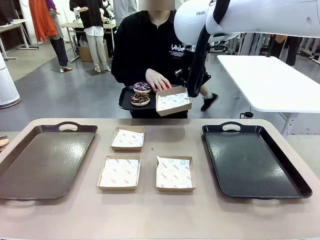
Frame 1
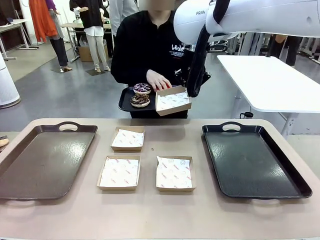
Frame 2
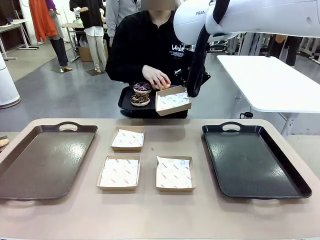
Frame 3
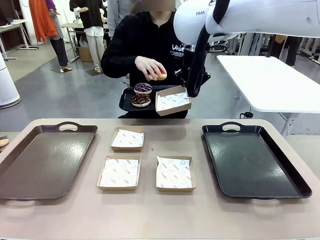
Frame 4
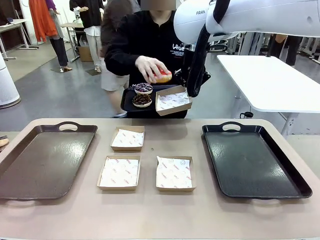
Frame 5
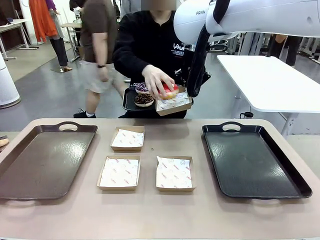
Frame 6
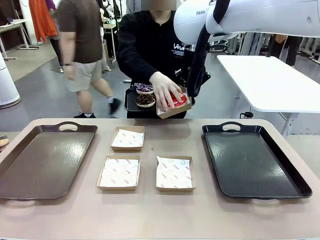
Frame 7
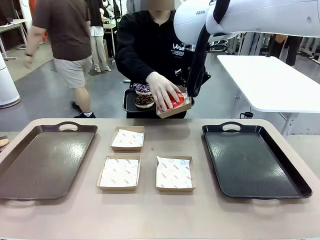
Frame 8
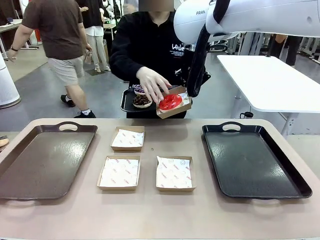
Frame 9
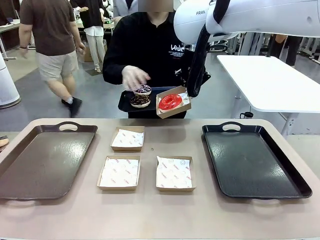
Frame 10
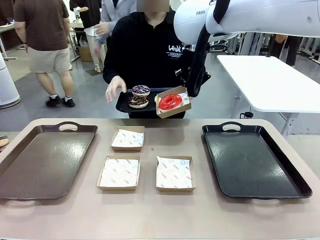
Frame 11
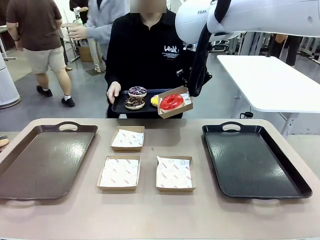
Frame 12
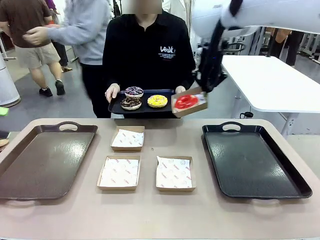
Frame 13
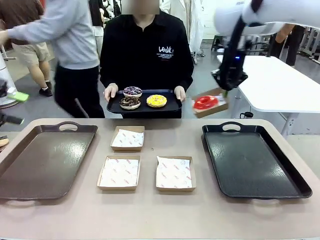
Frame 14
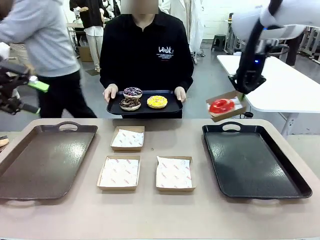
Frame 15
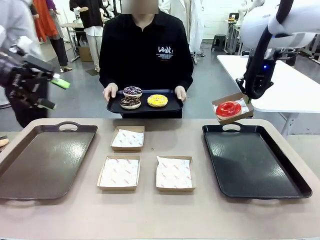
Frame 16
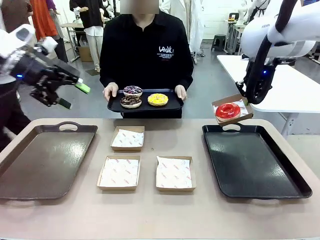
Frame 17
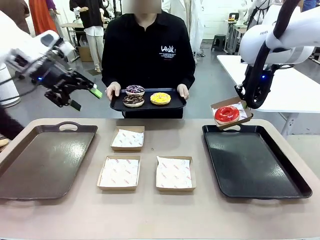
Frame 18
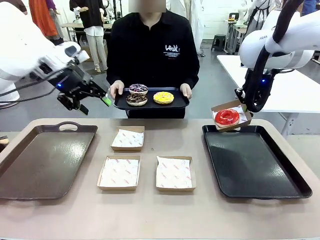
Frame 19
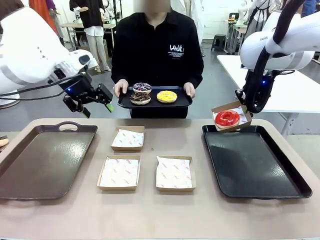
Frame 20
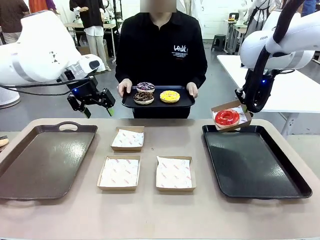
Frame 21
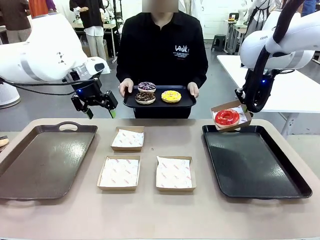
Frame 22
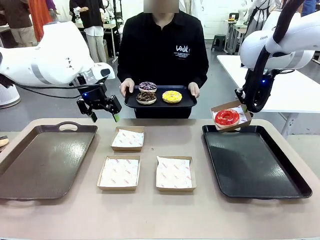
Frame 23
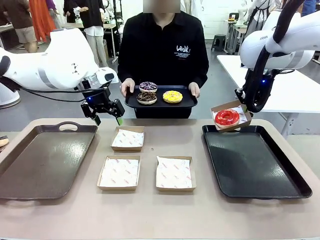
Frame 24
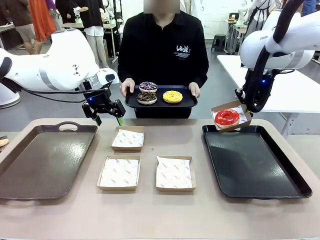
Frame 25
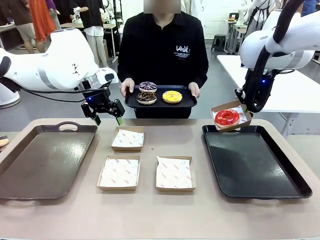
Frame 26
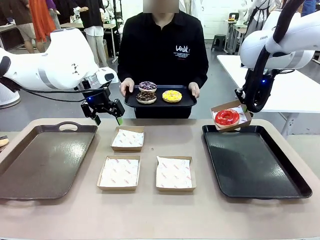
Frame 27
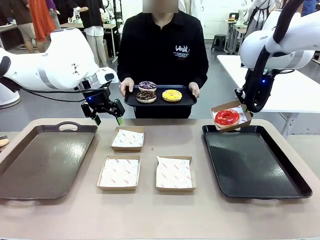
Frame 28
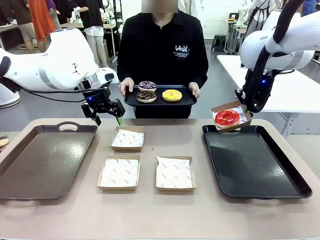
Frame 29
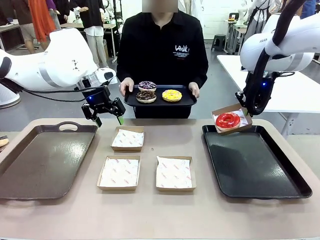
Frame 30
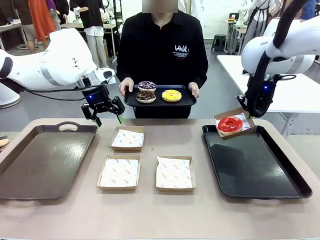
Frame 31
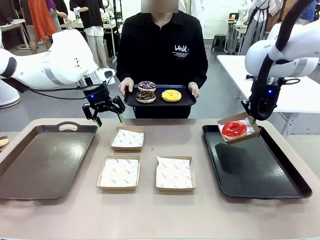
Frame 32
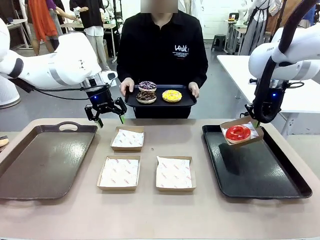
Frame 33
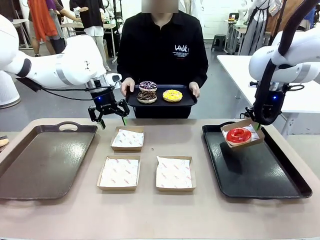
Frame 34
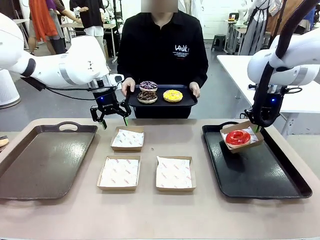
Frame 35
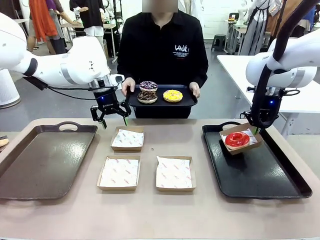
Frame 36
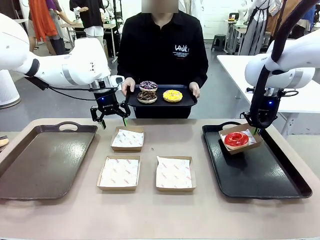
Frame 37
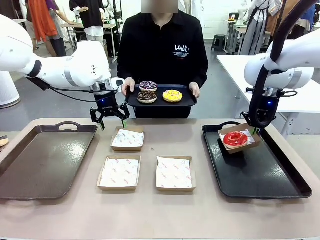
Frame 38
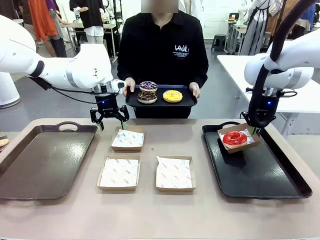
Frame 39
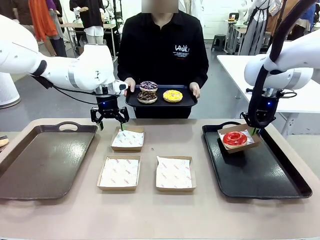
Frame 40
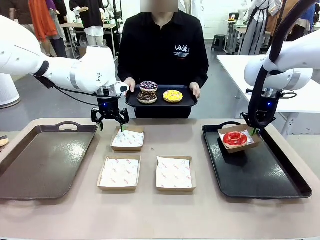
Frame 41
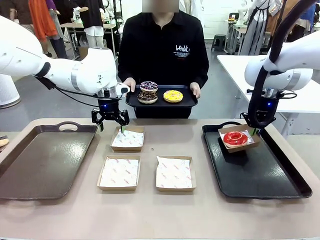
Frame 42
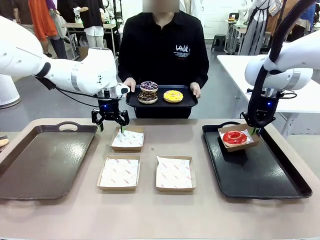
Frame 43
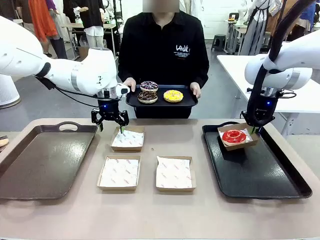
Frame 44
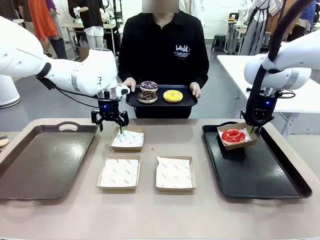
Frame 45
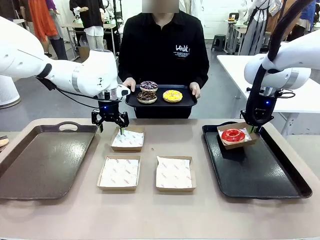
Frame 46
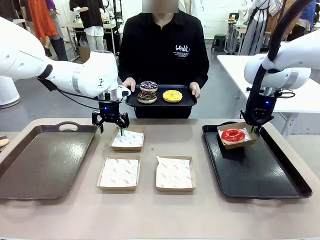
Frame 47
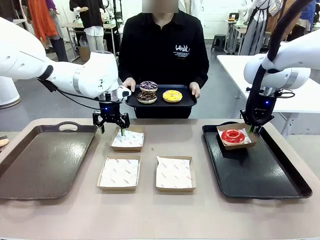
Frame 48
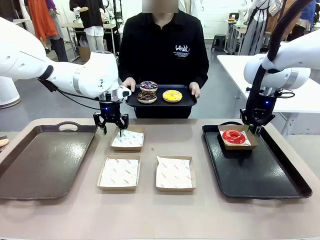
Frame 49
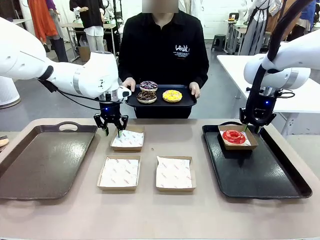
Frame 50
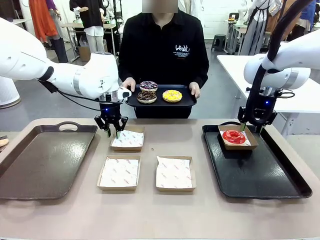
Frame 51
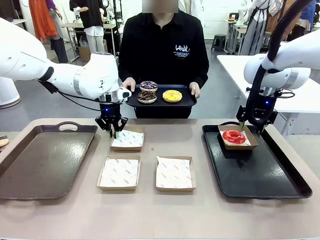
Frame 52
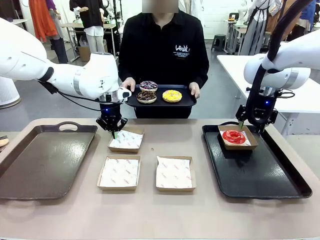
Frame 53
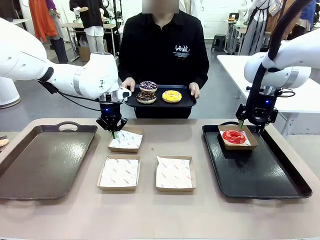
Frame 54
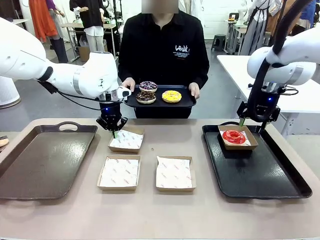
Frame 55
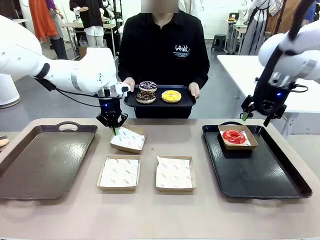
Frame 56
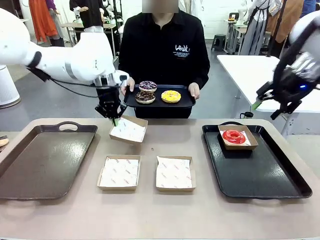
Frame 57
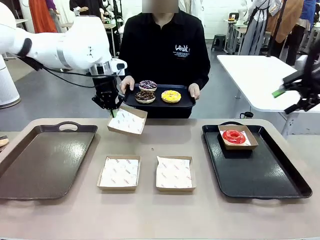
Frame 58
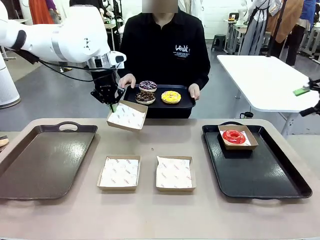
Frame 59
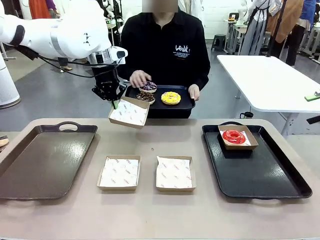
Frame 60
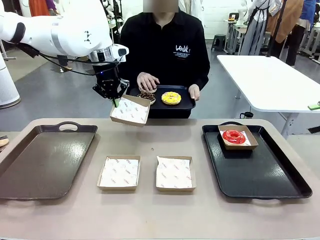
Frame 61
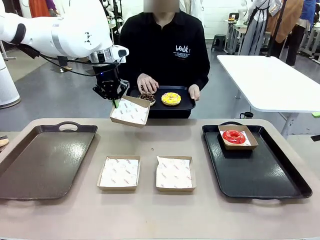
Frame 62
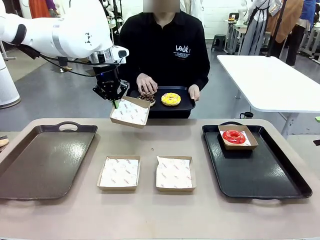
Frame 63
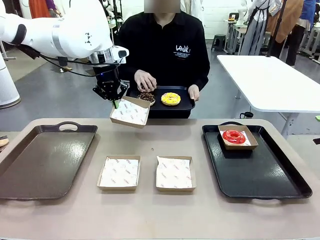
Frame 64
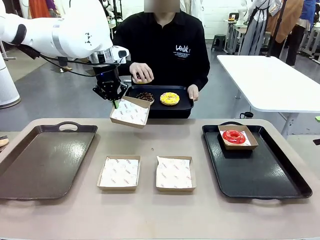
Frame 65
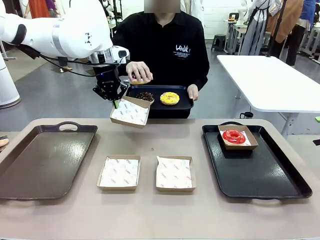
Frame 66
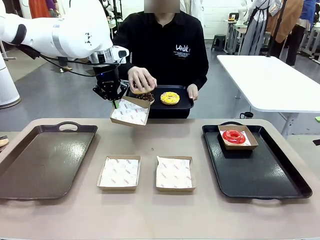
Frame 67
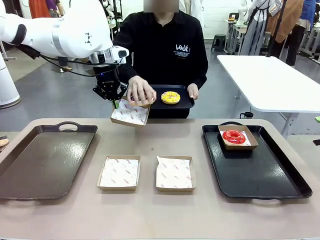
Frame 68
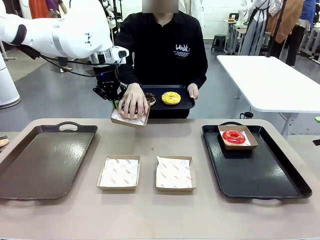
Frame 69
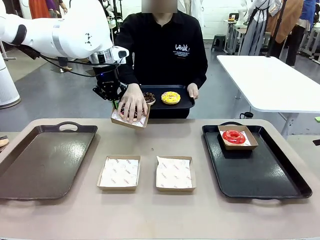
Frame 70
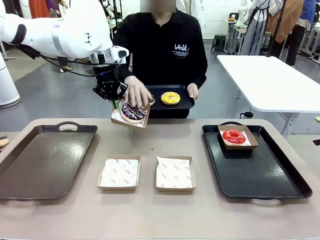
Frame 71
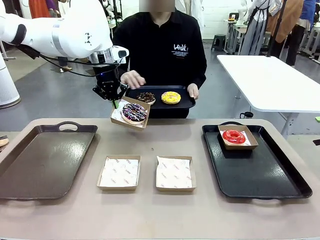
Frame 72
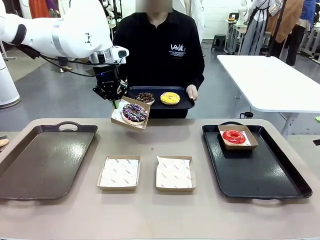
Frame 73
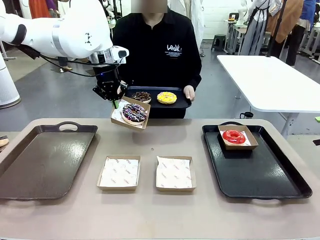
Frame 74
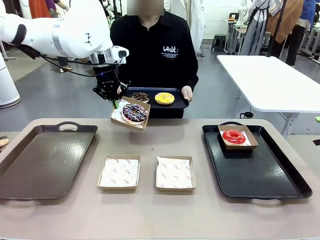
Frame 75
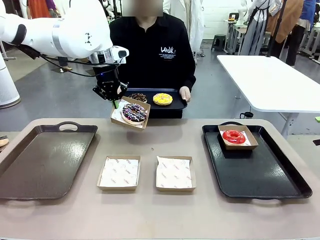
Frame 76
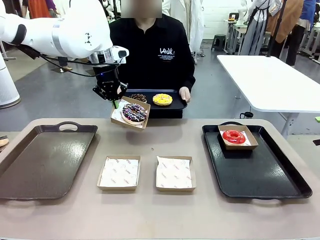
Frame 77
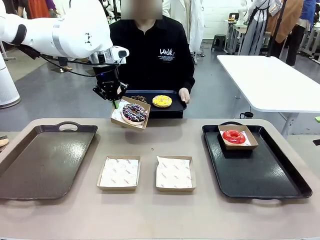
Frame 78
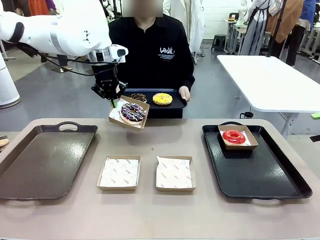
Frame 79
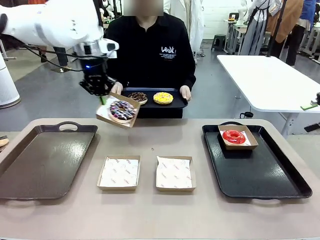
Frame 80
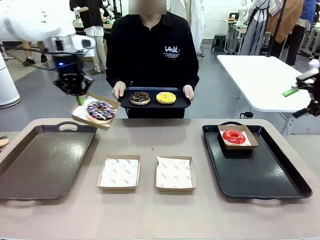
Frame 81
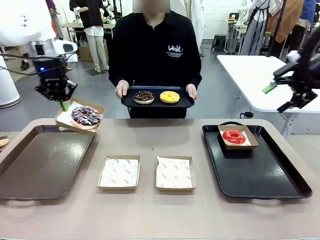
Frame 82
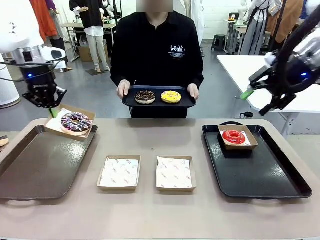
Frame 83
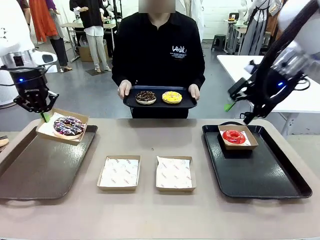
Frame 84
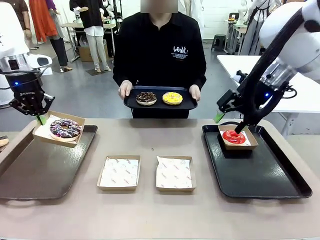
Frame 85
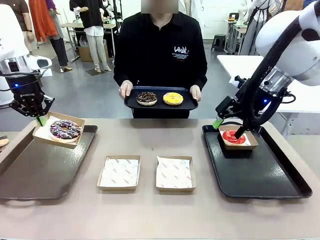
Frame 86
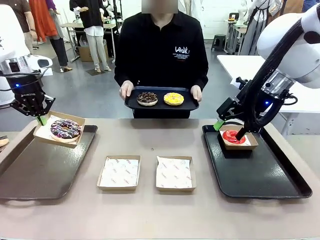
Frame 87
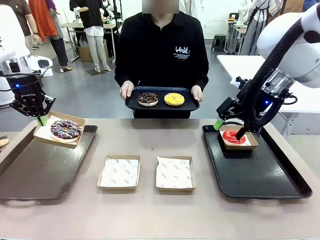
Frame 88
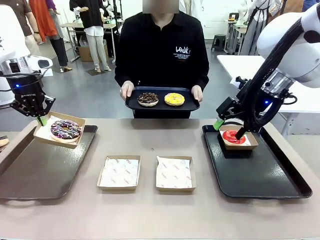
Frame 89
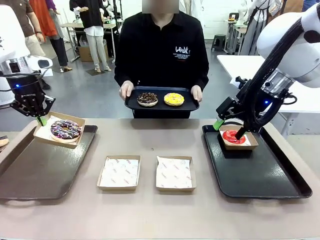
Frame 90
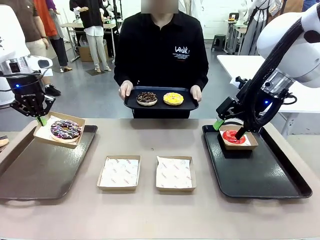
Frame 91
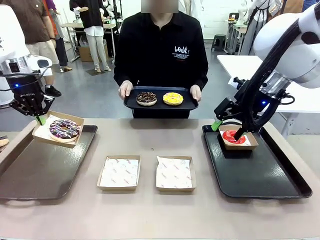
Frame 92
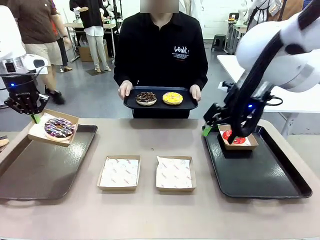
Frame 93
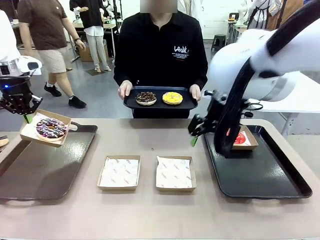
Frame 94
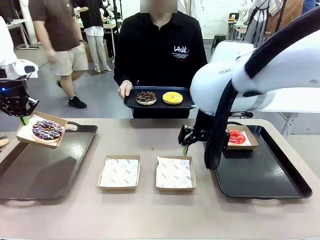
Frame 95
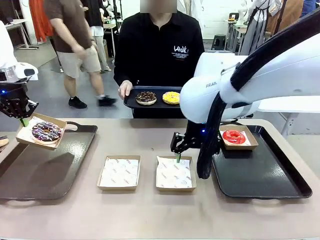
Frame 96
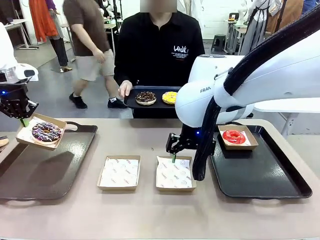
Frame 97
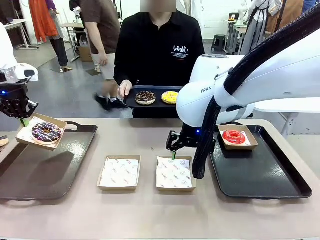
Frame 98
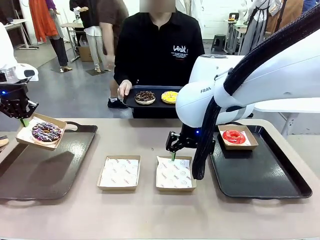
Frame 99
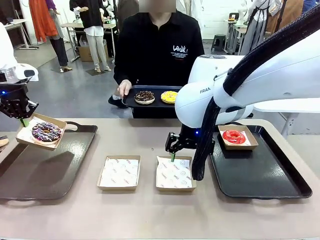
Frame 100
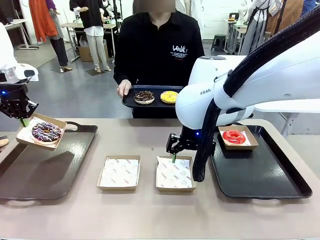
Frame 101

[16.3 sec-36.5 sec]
Task: Individually package the donuts and arrange them on the tray.
Robot: Place the picked Paper togo box on the Handle tray while simultaneously picking up another Paper togo box from the table with the other hand.
